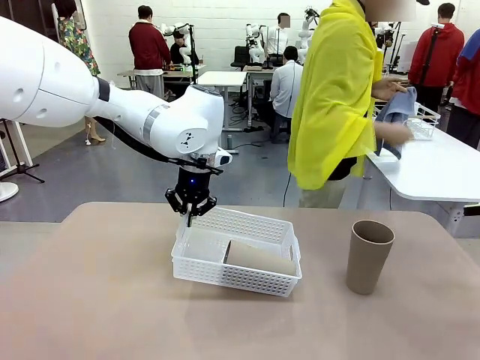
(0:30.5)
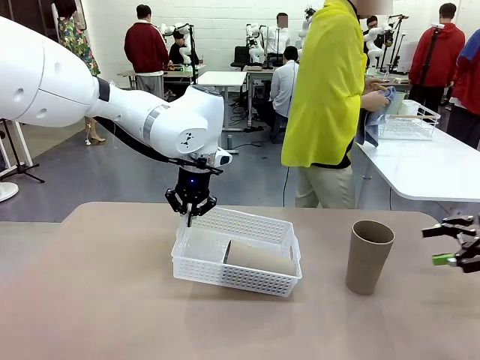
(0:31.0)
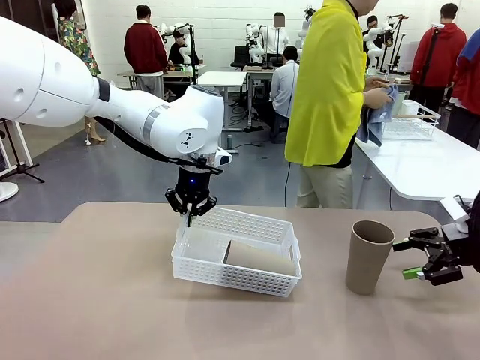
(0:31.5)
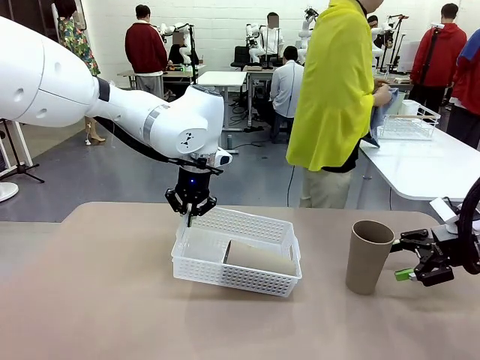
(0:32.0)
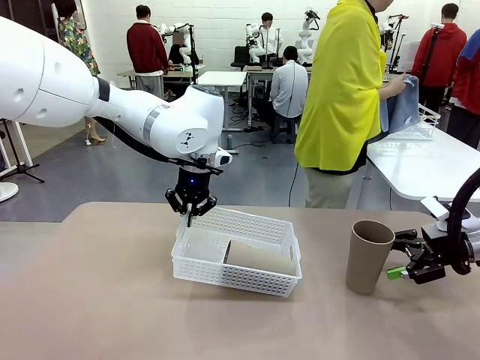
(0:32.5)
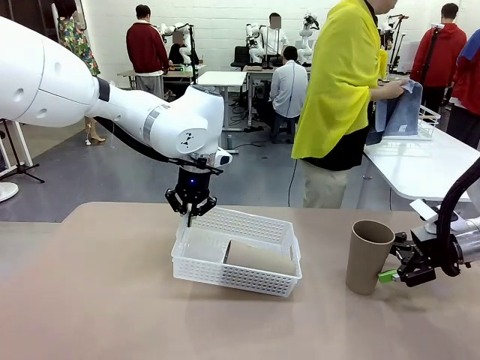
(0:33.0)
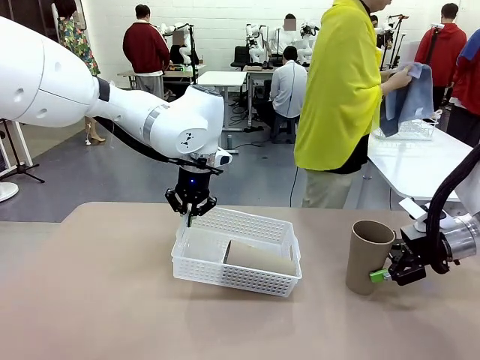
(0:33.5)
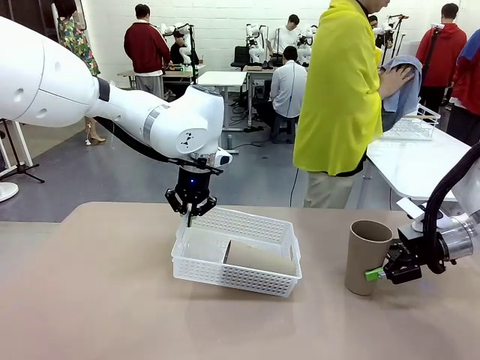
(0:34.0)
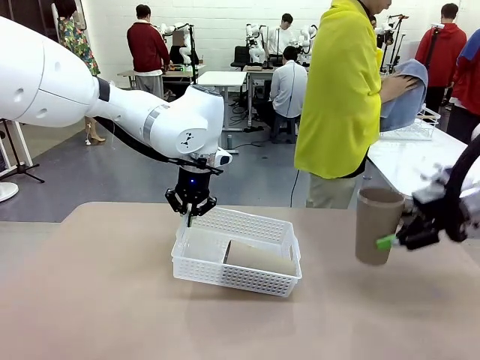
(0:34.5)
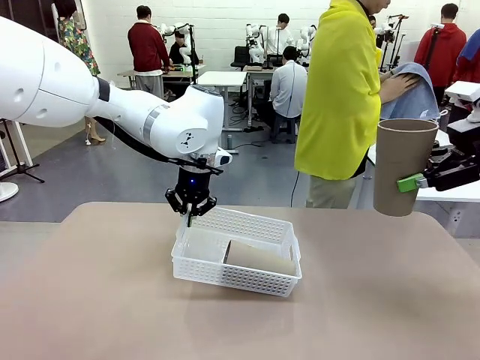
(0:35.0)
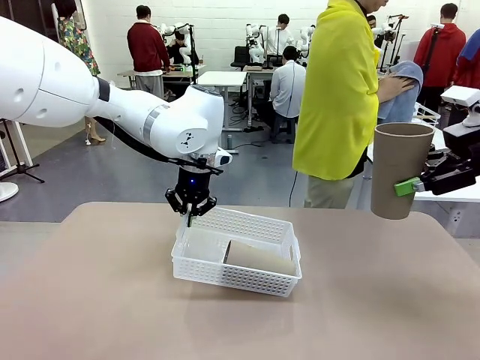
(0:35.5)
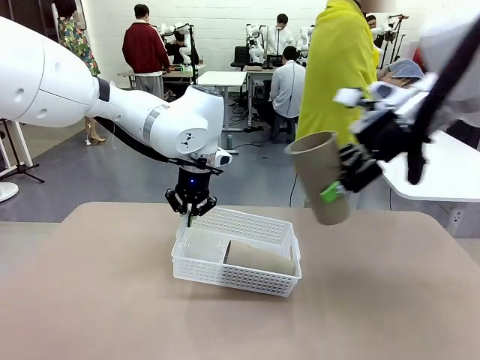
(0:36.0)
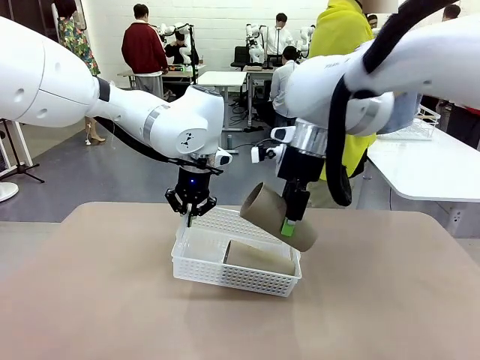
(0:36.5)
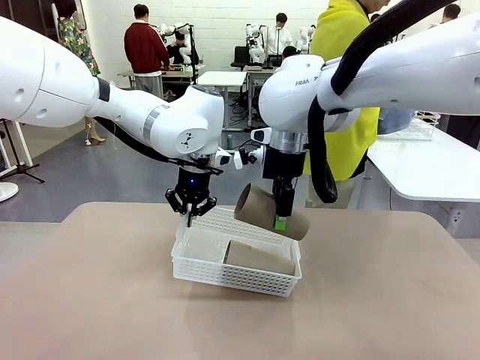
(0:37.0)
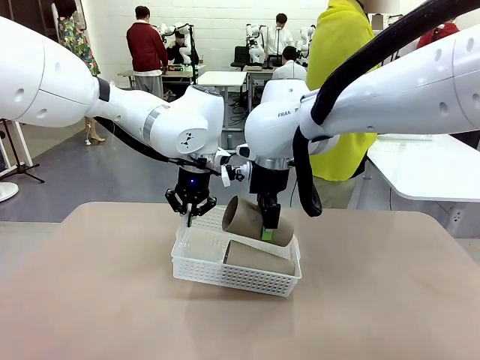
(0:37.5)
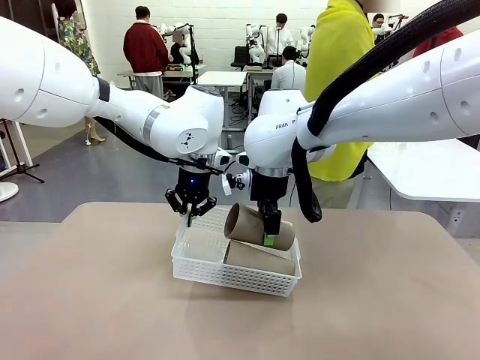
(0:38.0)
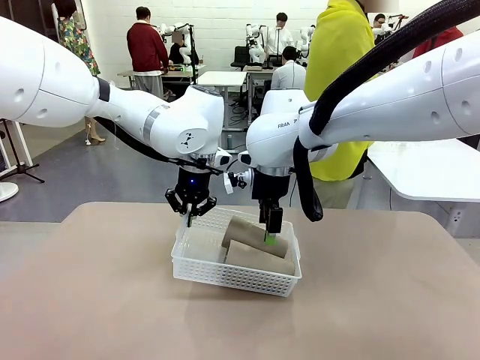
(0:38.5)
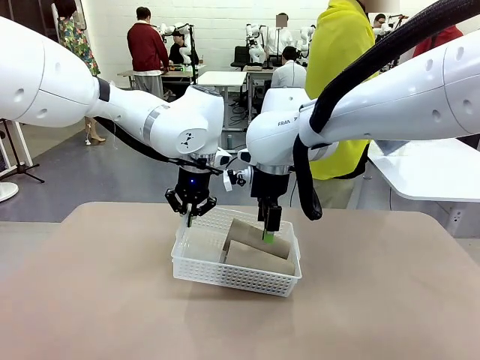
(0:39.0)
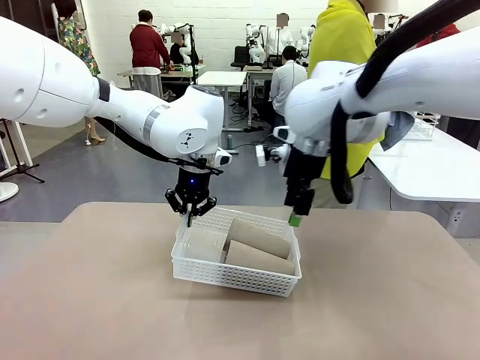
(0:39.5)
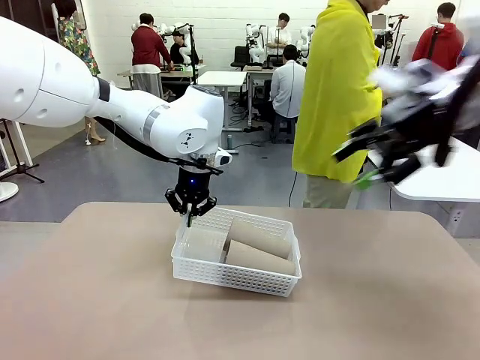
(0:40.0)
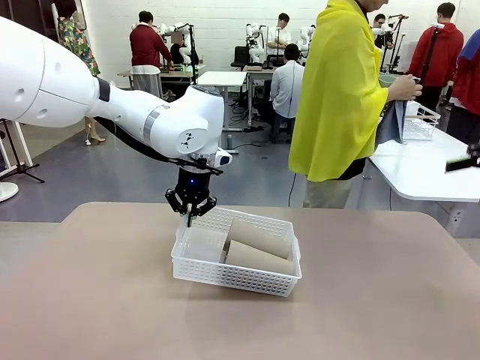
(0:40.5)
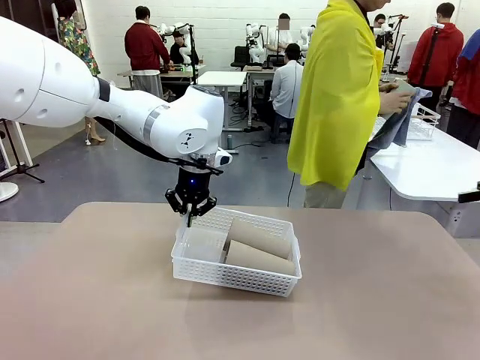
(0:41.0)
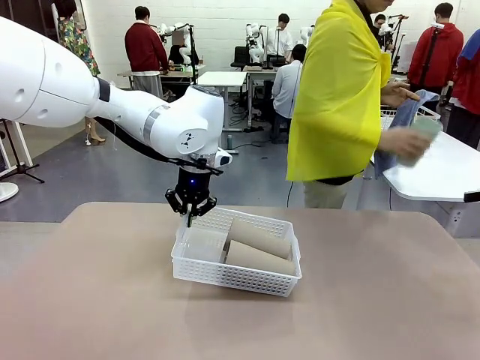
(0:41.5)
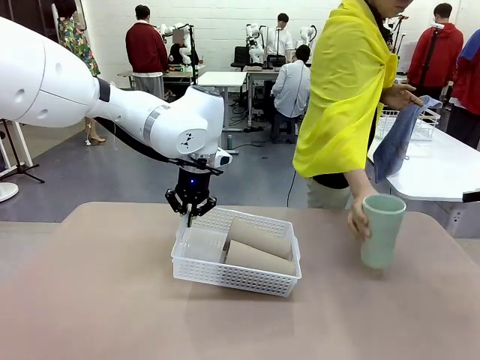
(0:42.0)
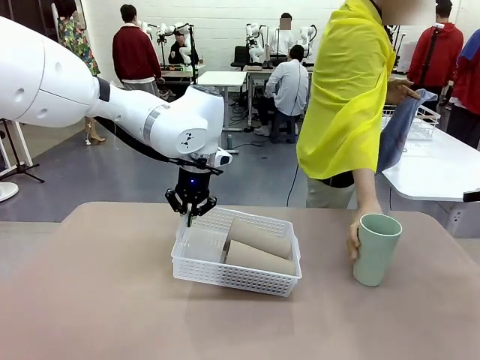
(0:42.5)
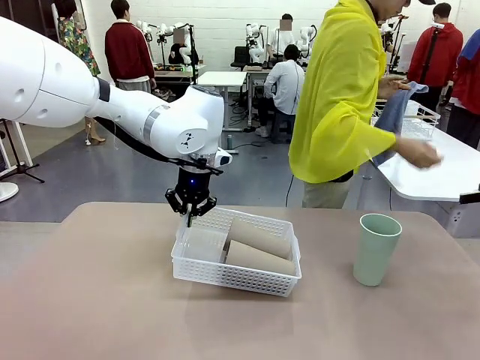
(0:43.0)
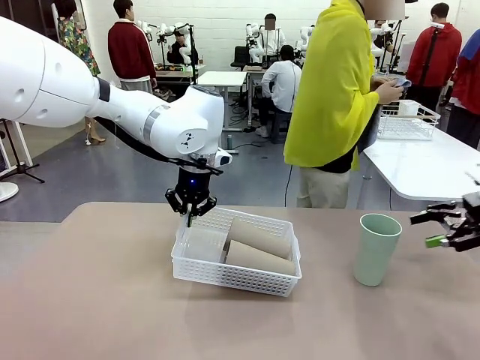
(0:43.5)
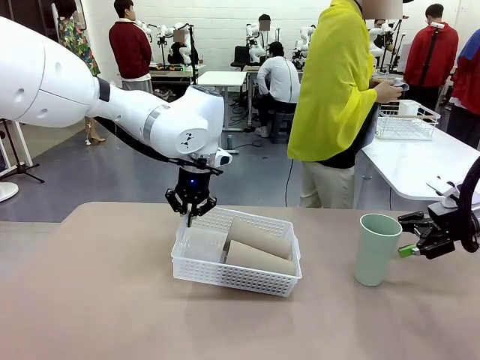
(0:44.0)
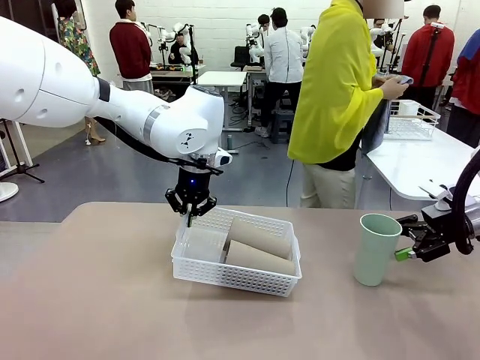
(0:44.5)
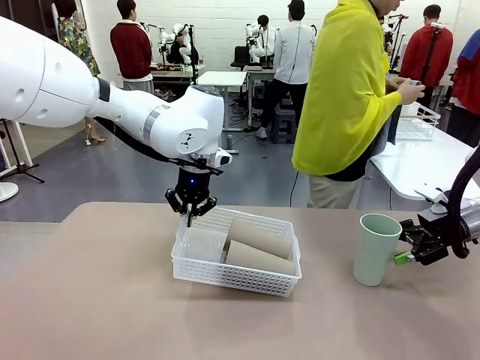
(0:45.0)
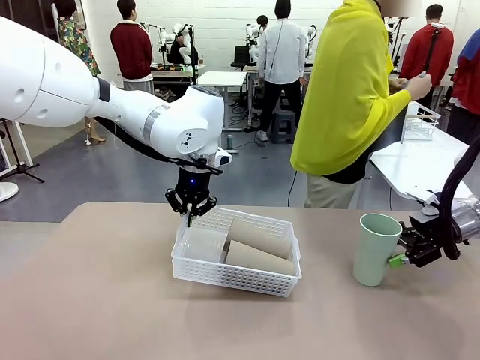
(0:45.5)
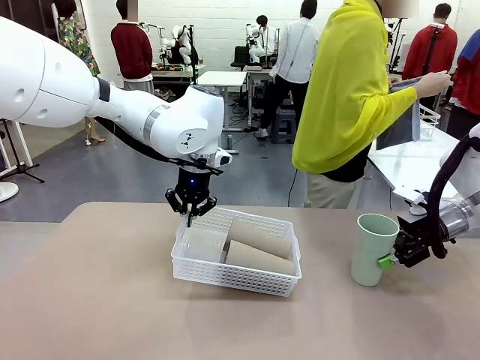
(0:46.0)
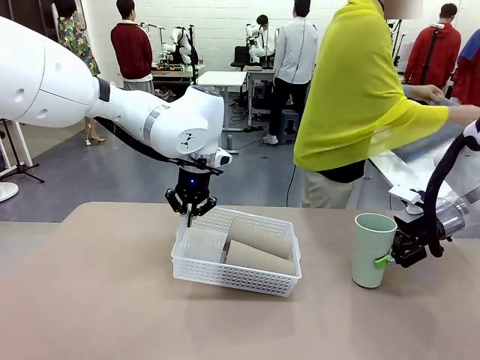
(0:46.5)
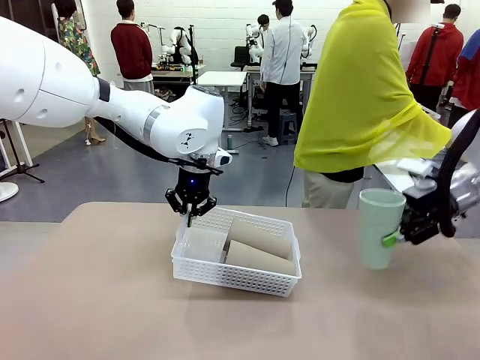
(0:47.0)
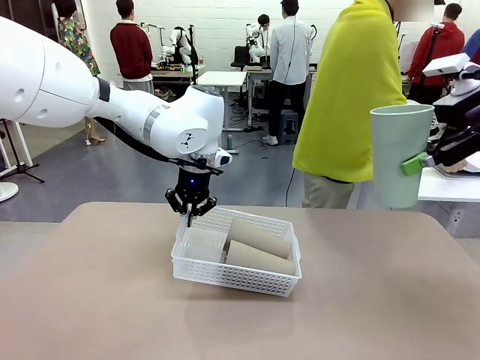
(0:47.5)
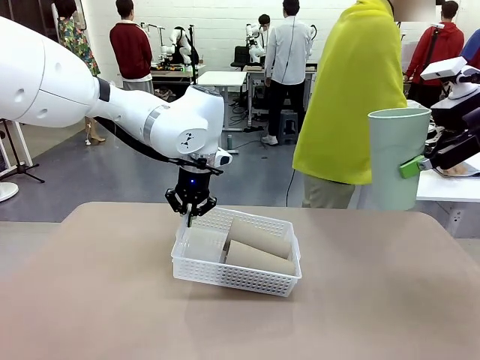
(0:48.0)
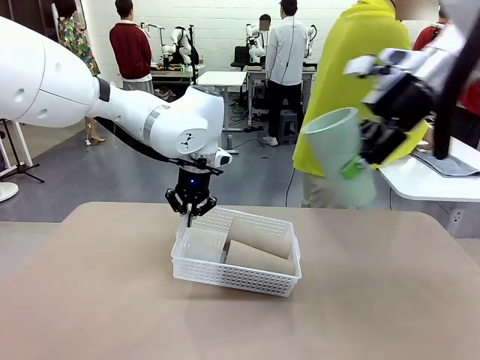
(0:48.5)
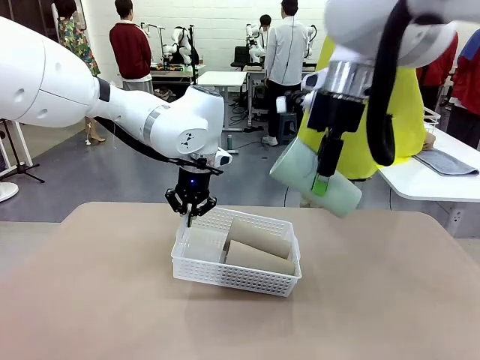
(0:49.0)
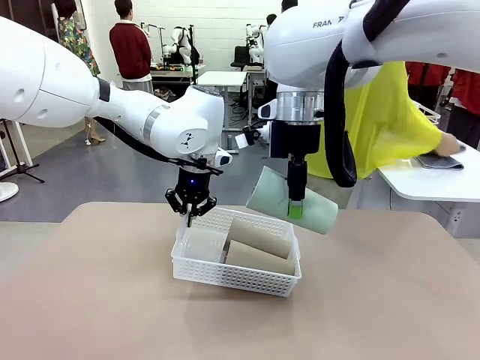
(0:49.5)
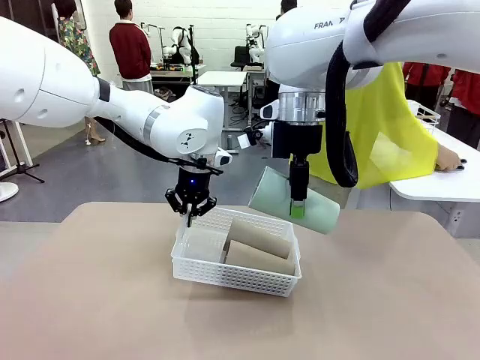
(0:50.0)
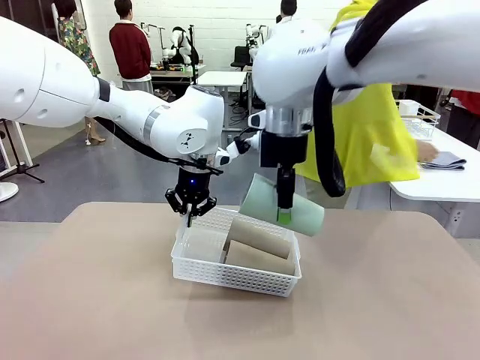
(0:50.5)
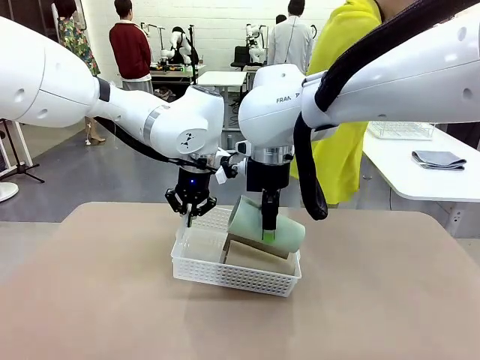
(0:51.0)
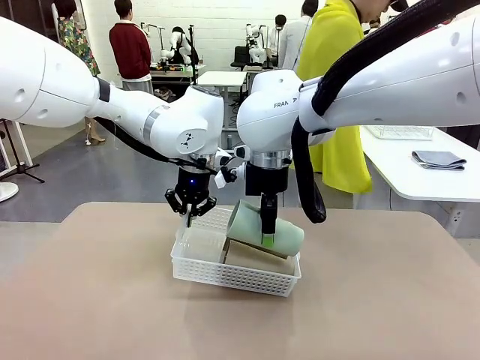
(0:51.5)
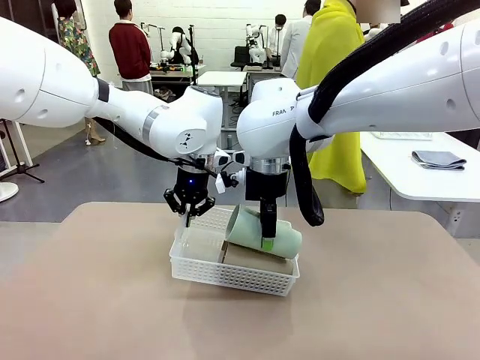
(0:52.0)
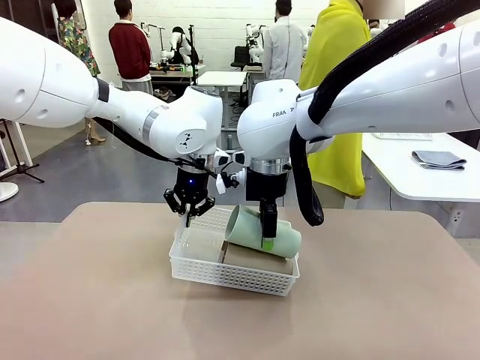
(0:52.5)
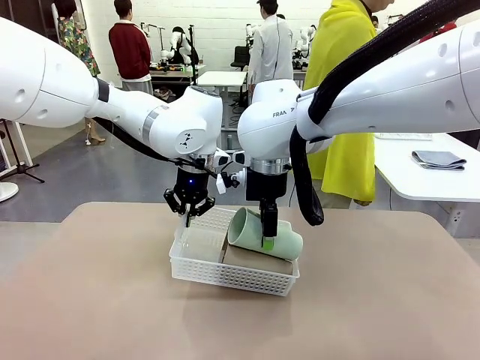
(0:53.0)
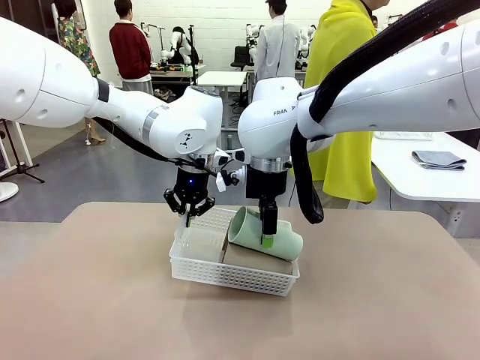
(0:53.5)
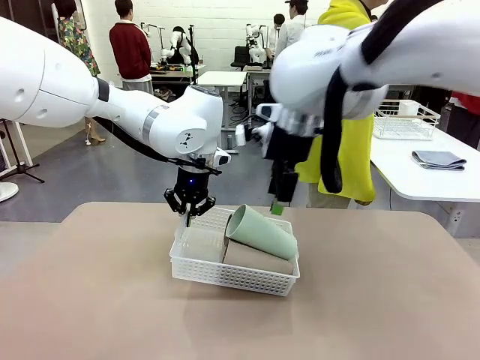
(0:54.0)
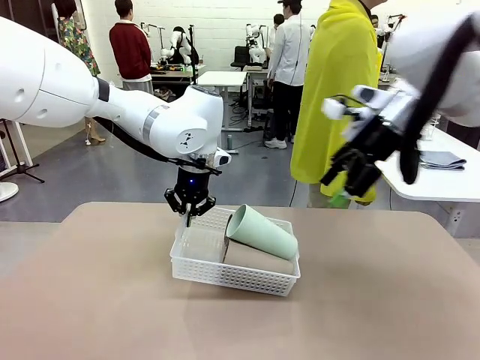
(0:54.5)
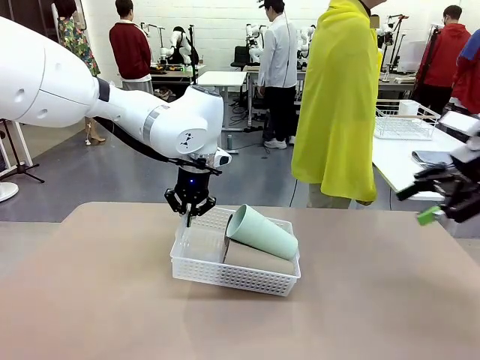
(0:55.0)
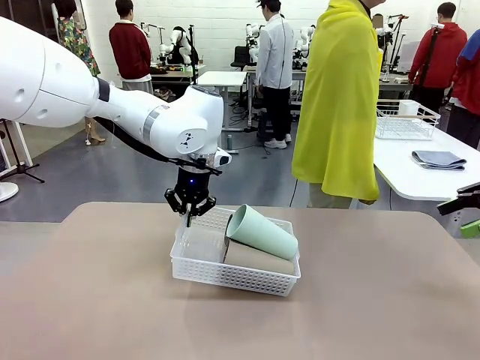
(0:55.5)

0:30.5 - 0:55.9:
Task: Clean and organize the cups into the basket.
Robot: Pick up the Reusable plastic cup from the right side of the table and stack it inside the Organizing basket in the center of the table.
